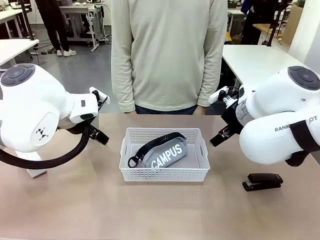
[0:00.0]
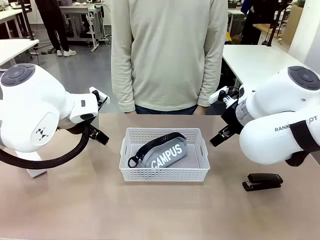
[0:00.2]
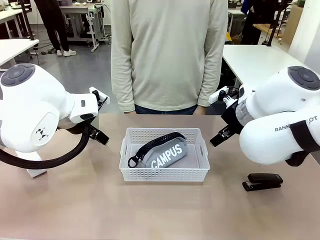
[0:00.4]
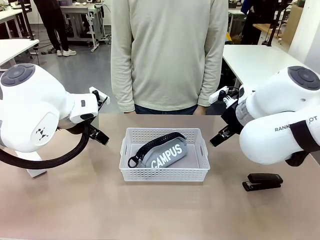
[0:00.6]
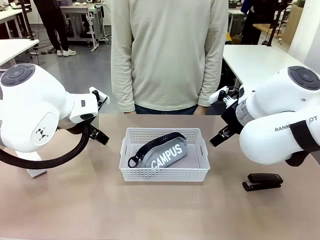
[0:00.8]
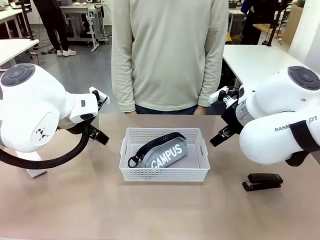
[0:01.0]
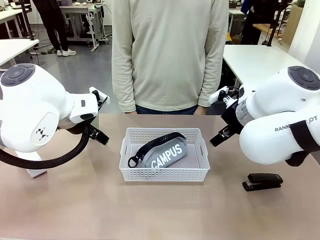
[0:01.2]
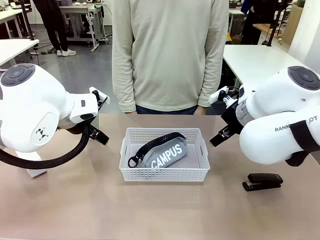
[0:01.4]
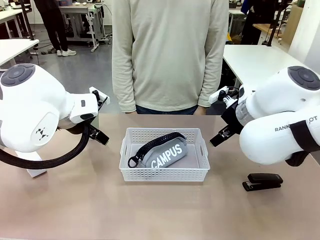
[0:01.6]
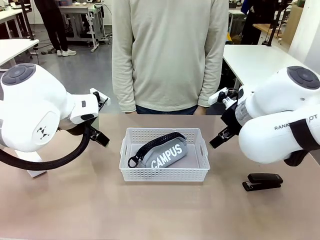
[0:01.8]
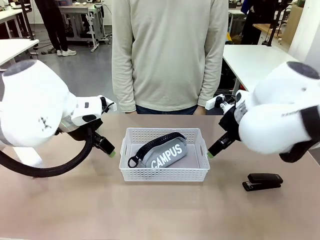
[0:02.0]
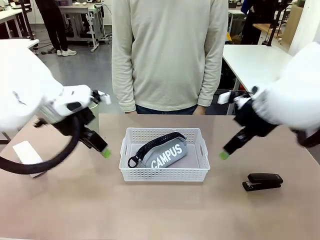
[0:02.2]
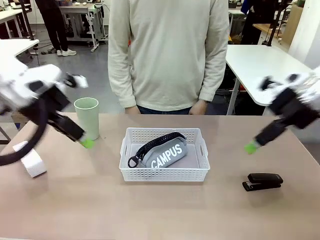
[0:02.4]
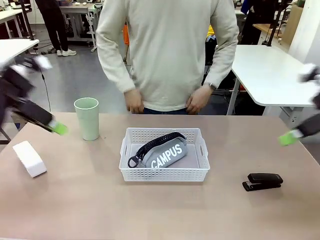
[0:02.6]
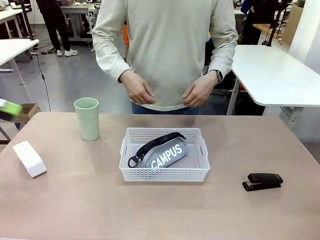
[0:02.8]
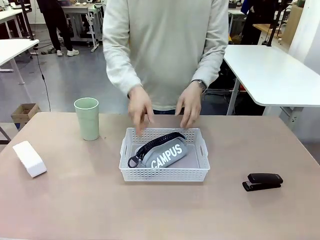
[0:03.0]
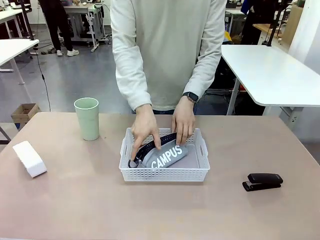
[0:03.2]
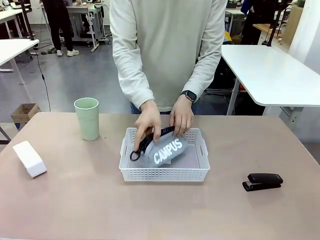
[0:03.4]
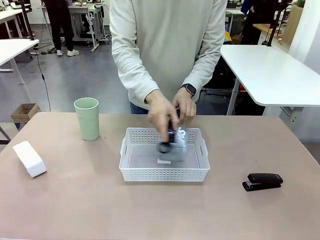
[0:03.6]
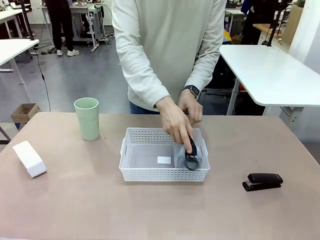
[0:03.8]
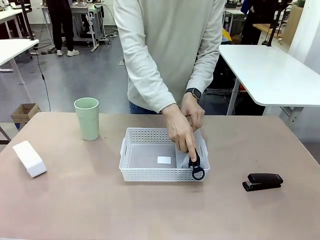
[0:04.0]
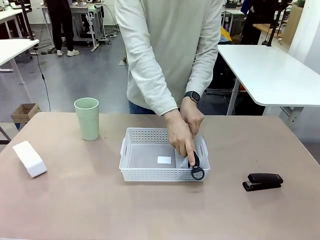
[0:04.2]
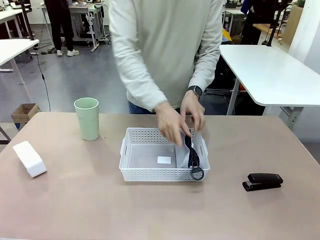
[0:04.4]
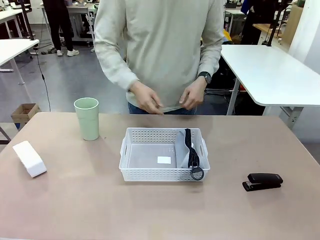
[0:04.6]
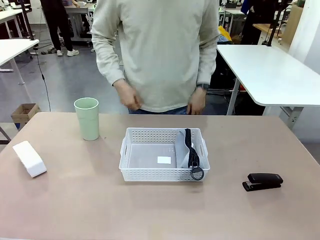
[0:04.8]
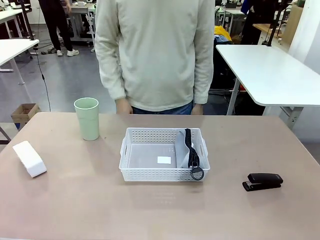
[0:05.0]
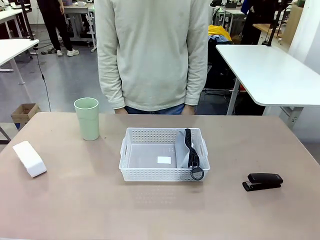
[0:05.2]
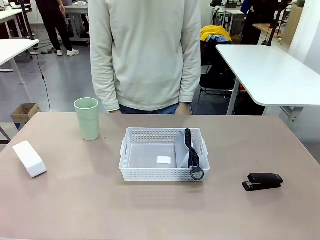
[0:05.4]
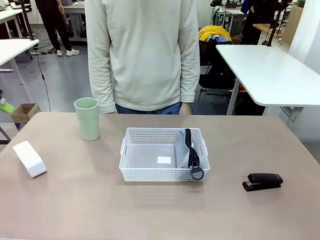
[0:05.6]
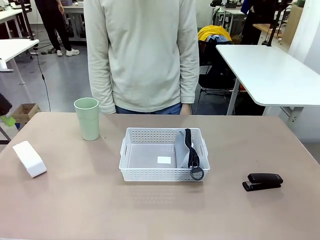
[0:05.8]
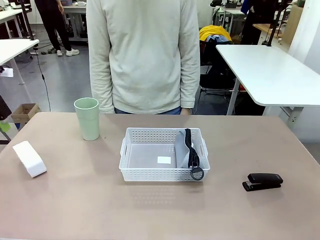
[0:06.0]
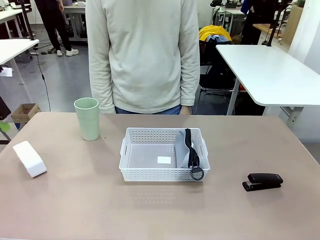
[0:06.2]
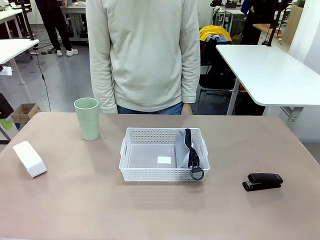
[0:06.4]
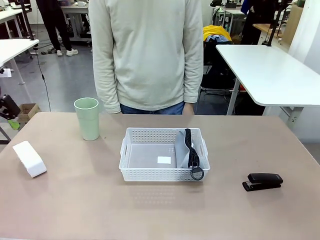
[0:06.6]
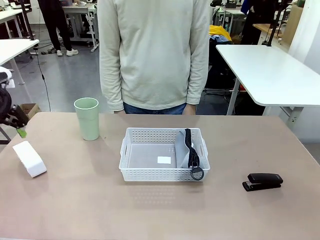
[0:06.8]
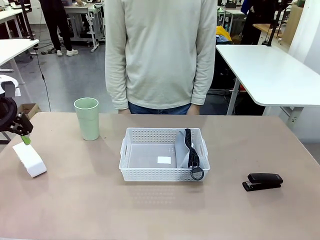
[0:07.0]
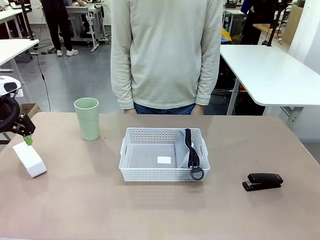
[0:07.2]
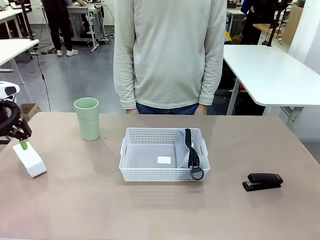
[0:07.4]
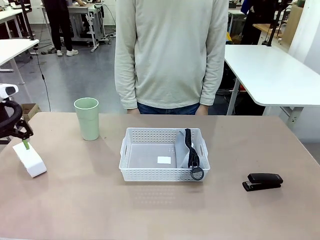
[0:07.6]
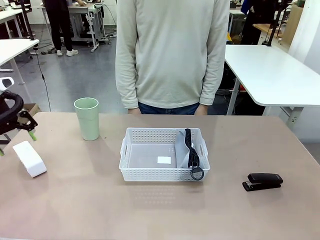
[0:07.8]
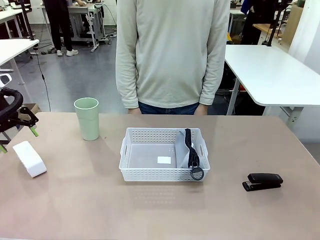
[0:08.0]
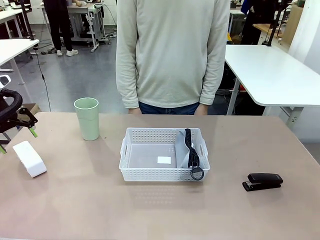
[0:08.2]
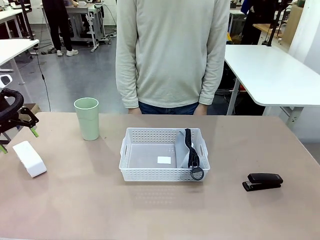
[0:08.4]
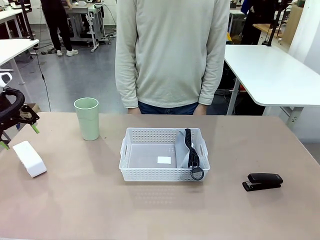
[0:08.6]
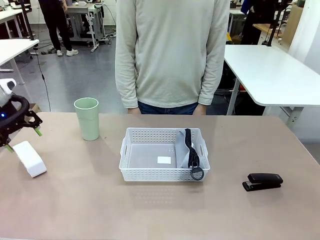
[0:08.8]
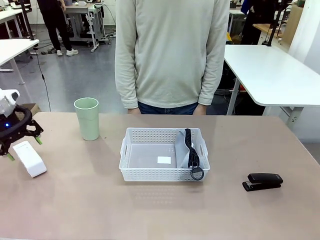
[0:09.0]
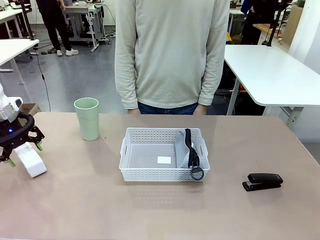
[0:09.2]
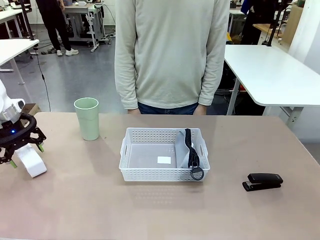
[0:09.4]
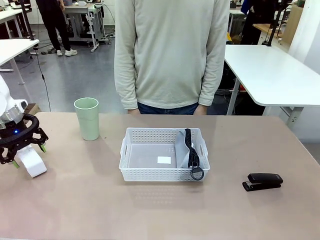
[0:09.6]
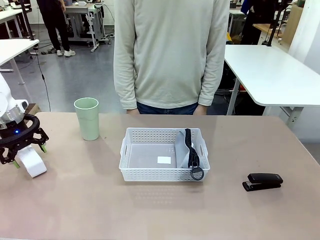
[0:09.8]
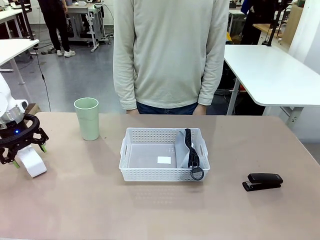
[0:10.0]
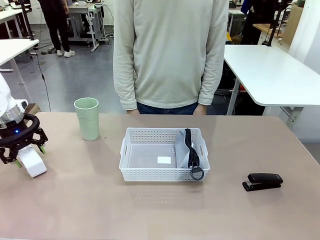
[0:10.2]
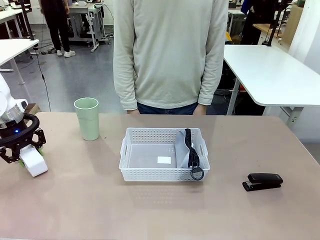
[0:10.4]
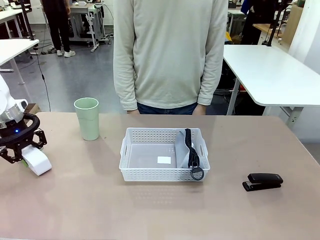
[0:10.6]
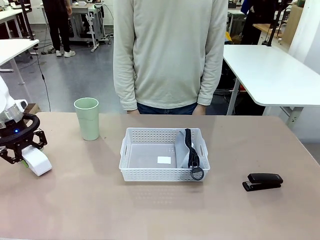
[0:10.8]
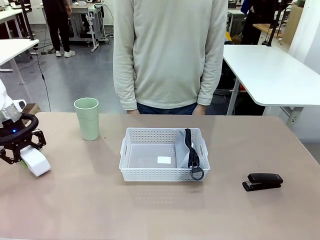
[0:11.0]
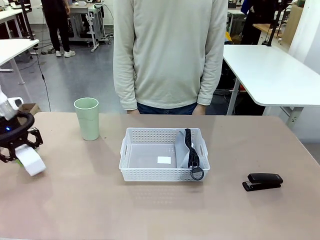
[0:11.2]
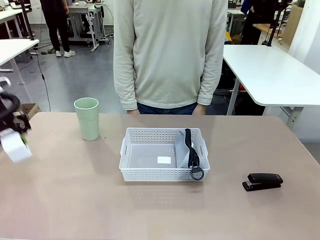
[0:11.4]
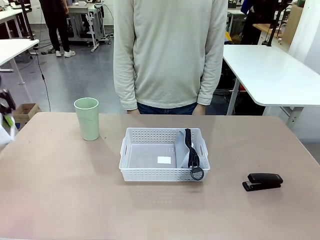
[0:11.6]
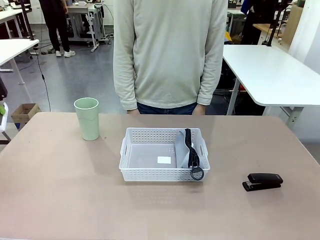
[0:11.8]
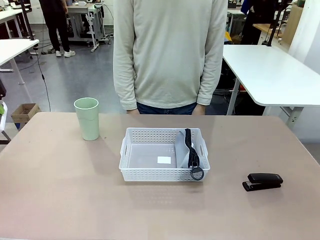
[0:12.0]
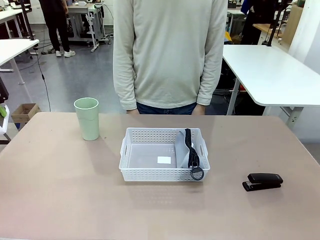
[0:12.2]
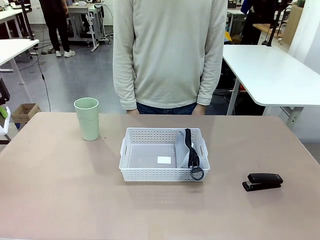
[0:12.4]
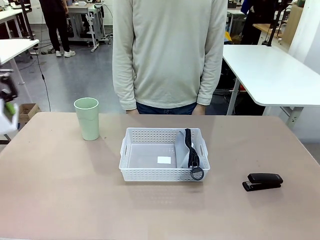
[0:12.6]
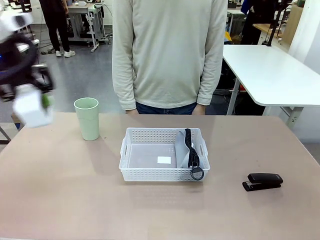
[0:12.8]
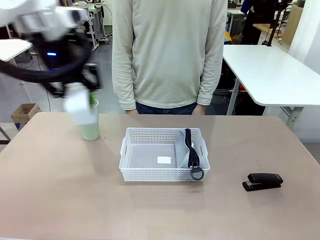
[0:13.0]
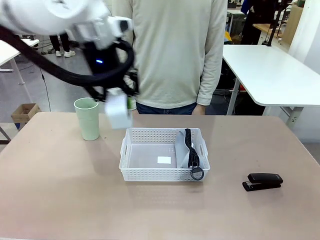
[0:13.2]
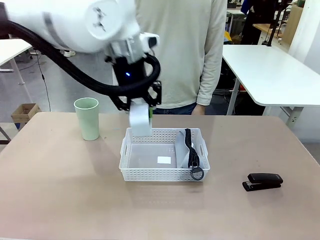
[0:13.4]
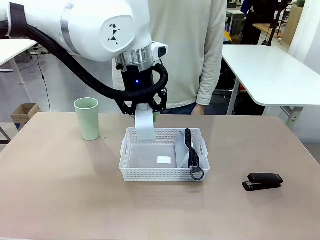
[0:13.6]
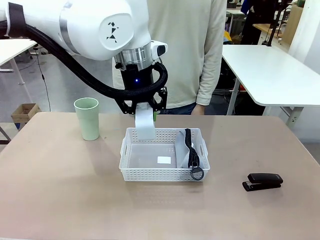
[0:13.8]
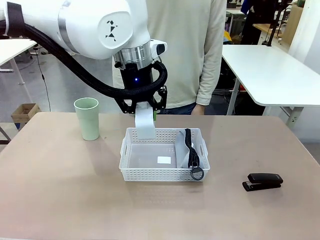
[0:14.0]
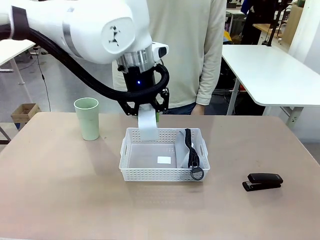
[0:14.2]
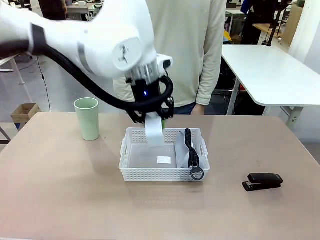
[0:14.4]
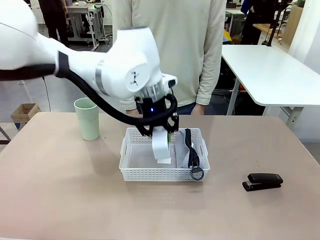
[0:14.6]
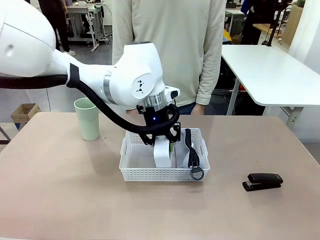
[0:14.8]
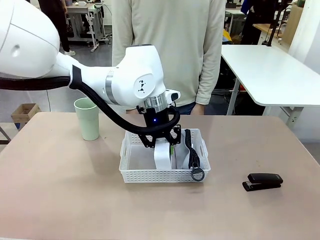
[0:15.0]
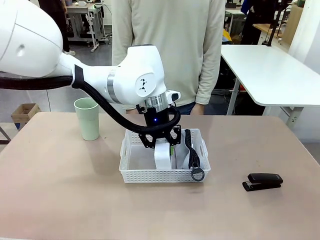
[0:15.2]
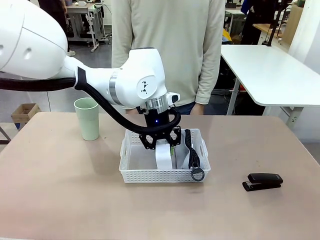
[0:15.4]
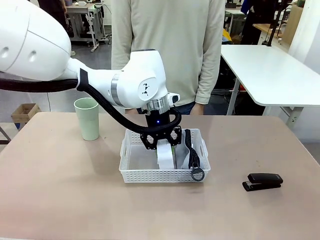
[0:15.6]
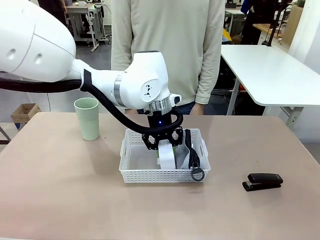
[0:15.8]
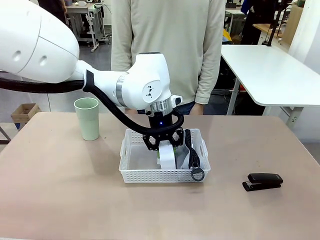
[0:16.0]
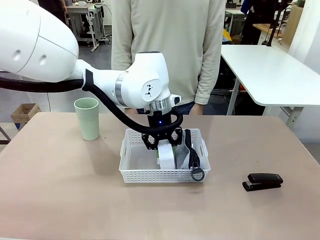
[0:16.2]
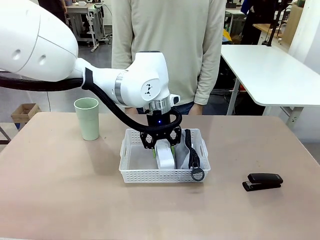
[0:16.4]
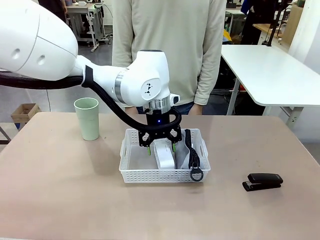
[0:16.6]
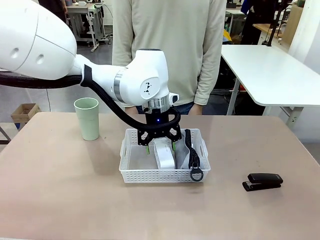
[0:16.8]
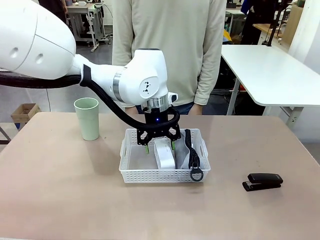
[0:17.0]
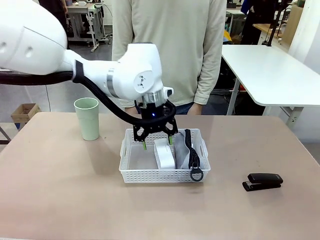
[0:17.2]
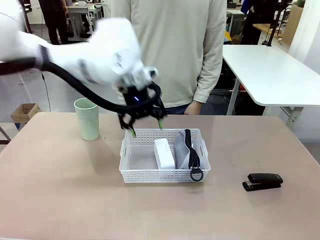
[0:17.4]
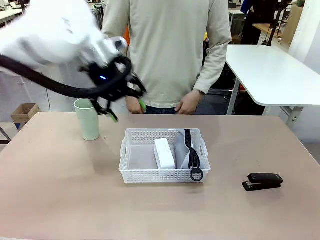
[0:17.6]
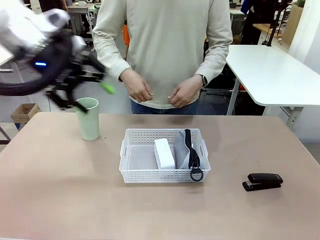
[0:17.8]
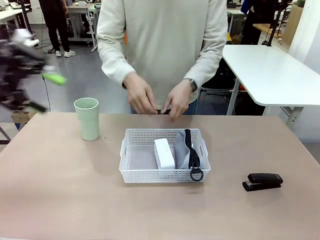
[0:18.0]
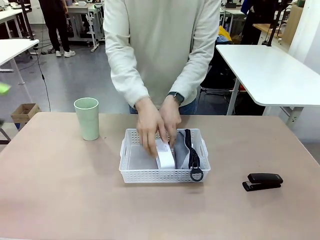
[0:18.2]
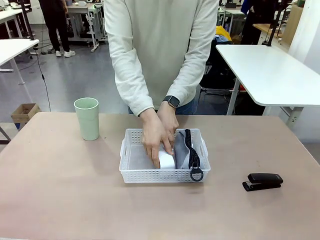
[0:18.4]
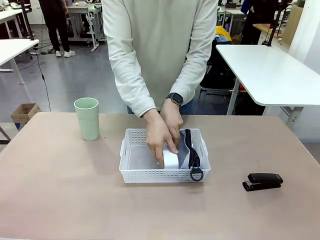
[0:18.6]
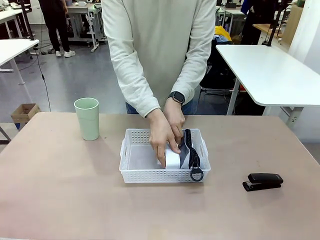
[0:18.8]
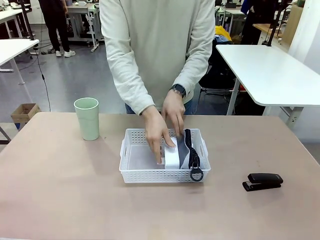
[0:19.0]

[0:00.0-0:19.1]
Task: Efficiently arrange items inside the basket to fit them all.
Robot: Pick up the Digital clock and place it inside the Organizing basket.
Person: Repositions the pencil case. Repositions the digital clock.
